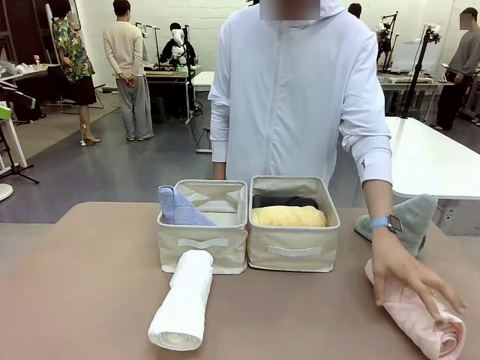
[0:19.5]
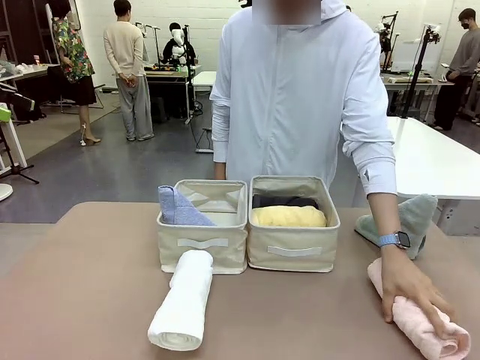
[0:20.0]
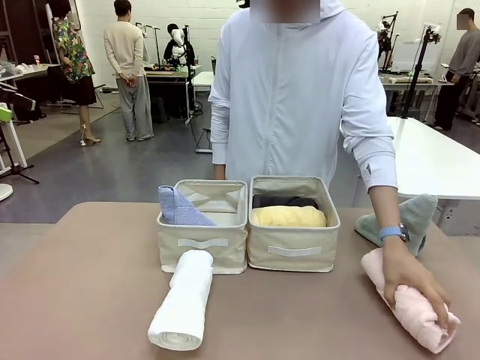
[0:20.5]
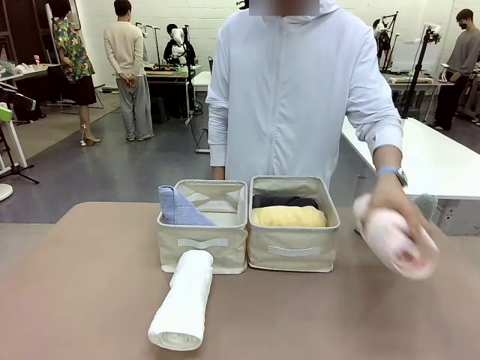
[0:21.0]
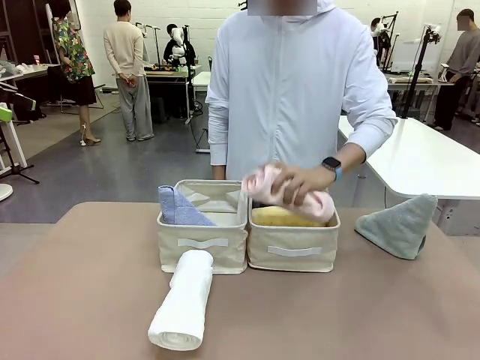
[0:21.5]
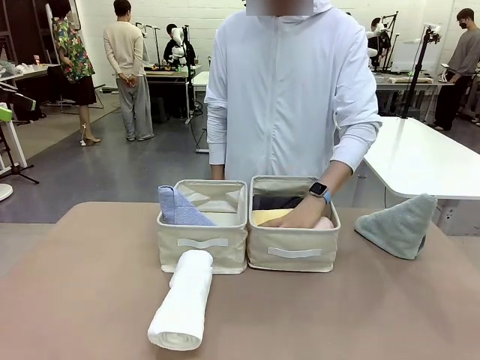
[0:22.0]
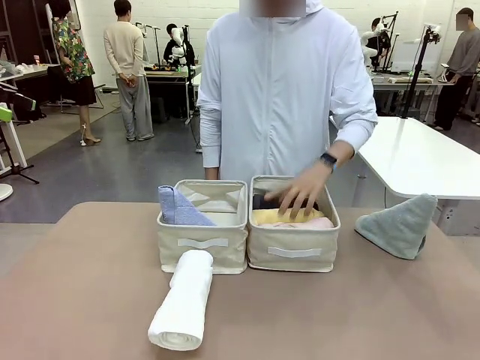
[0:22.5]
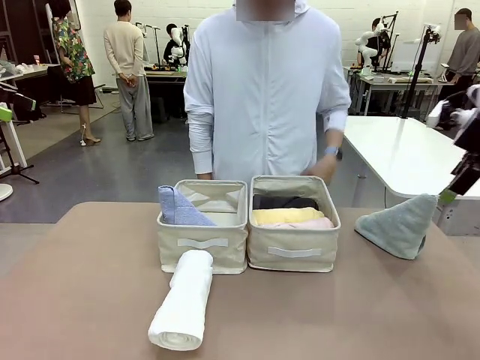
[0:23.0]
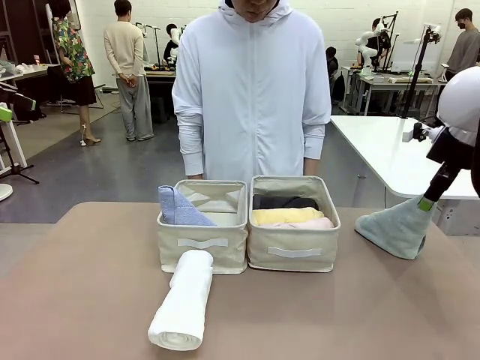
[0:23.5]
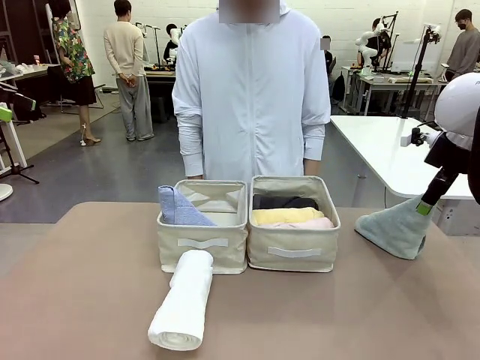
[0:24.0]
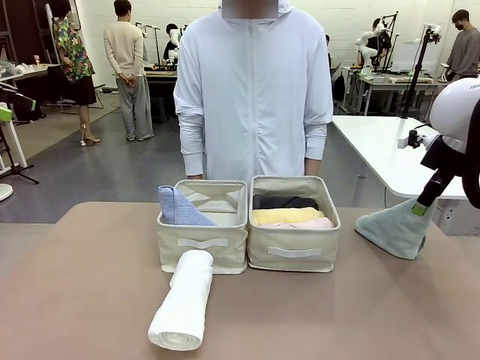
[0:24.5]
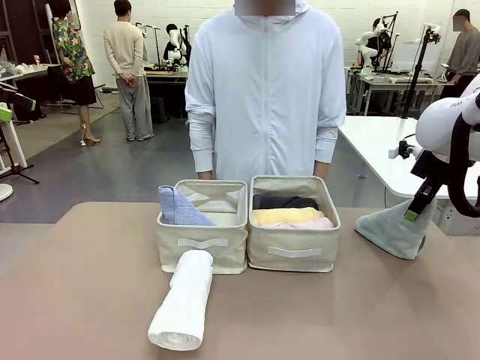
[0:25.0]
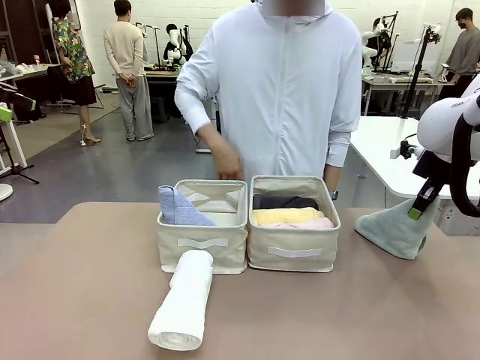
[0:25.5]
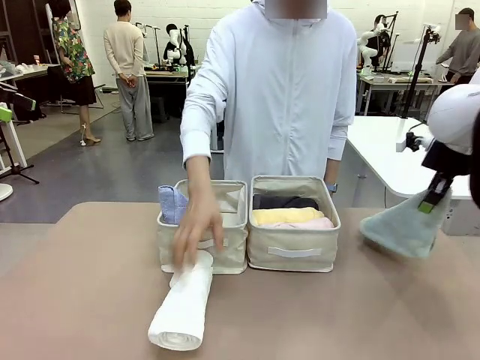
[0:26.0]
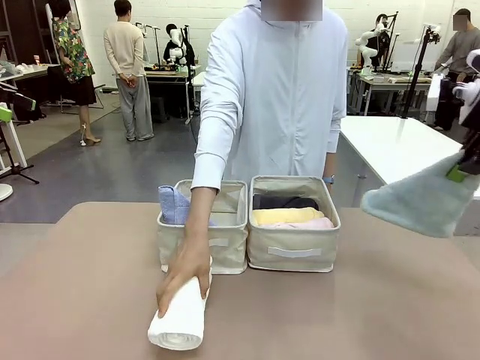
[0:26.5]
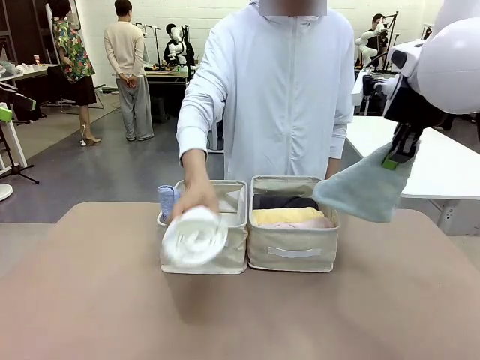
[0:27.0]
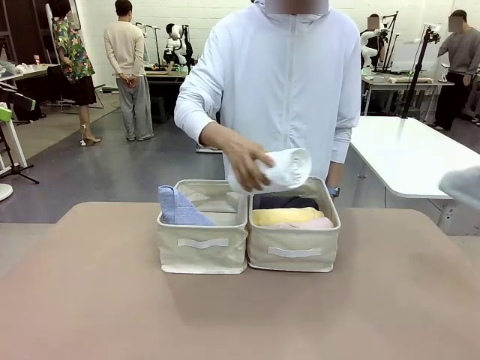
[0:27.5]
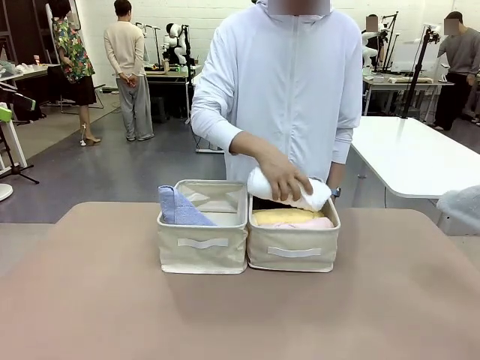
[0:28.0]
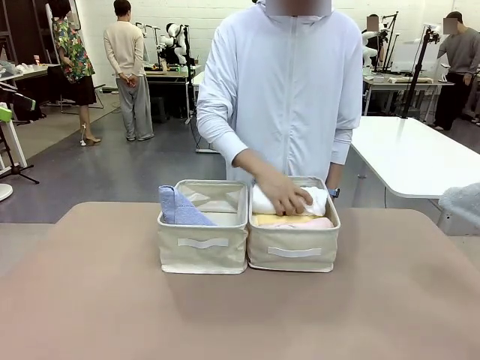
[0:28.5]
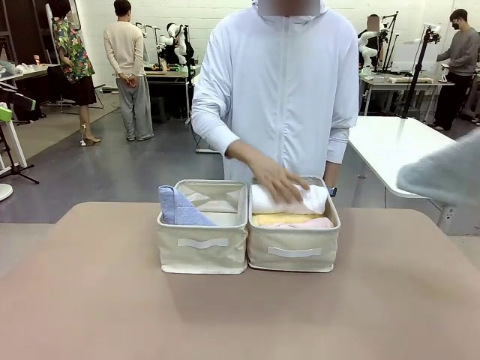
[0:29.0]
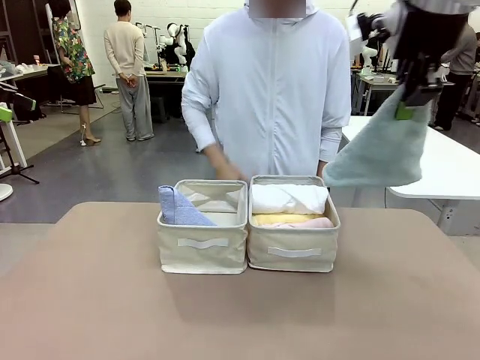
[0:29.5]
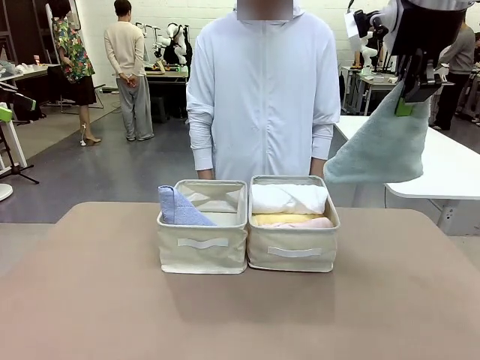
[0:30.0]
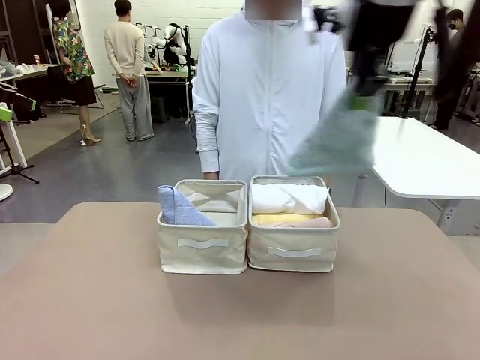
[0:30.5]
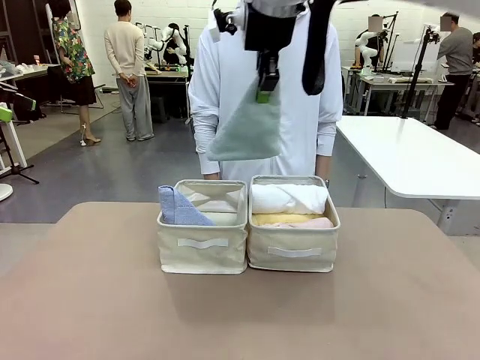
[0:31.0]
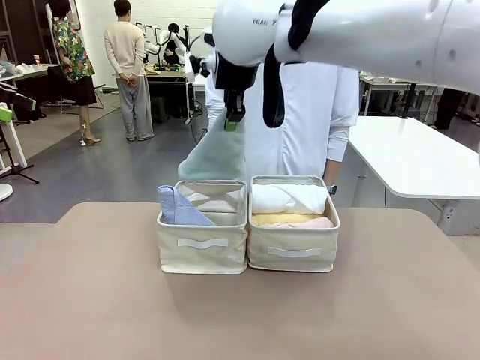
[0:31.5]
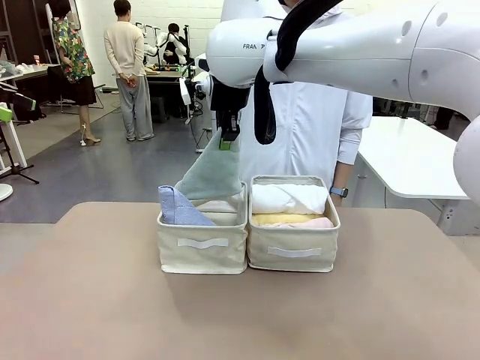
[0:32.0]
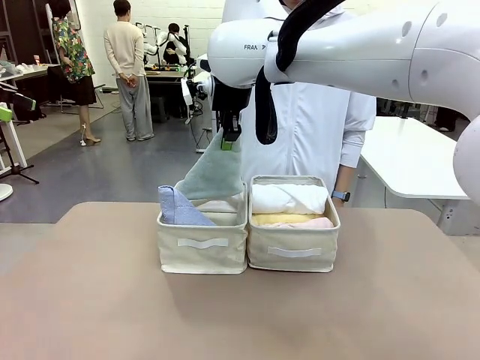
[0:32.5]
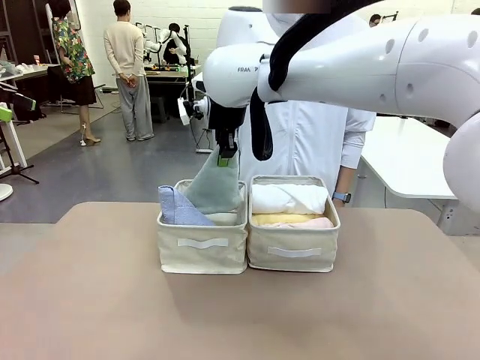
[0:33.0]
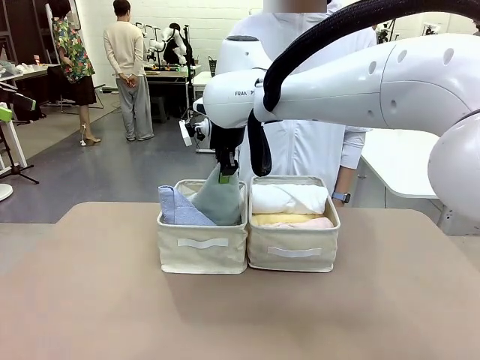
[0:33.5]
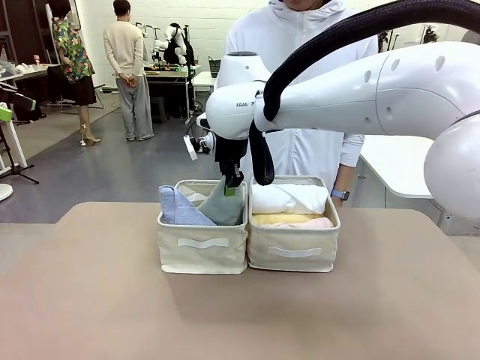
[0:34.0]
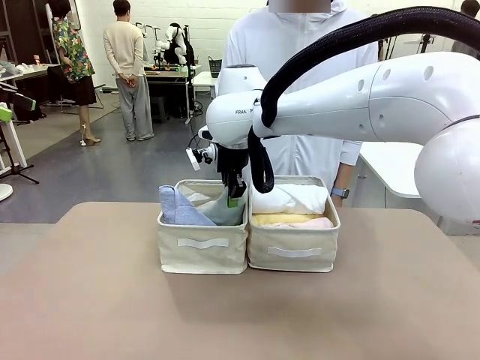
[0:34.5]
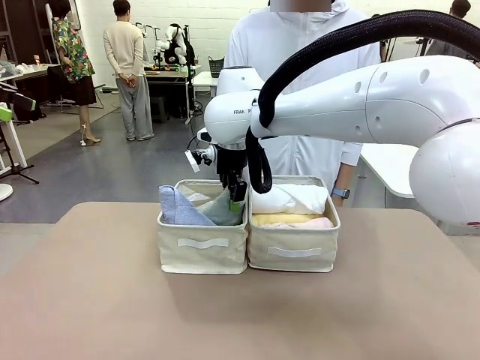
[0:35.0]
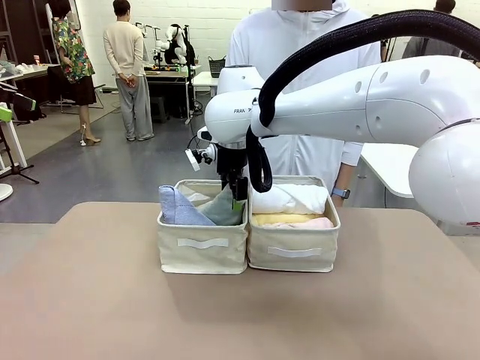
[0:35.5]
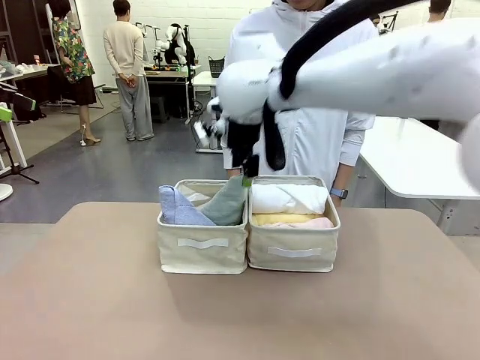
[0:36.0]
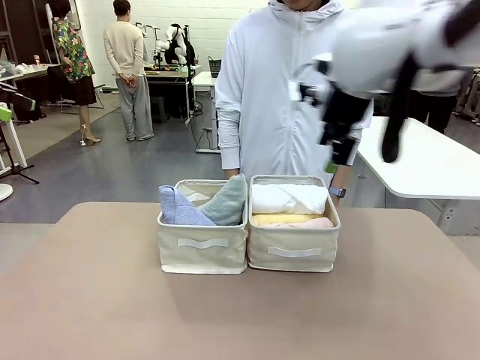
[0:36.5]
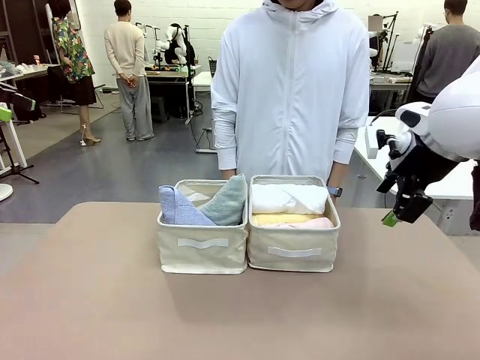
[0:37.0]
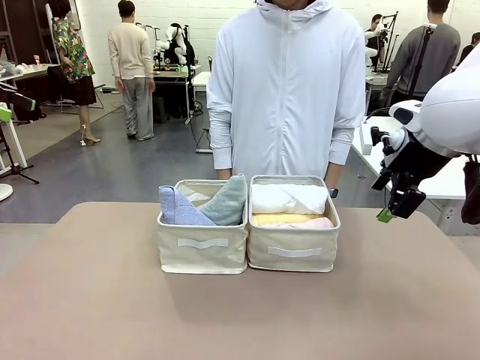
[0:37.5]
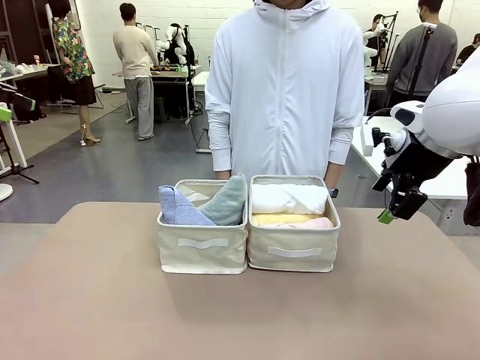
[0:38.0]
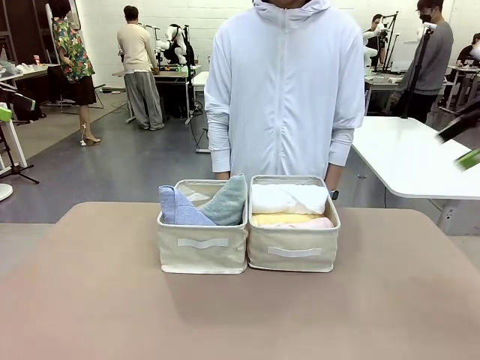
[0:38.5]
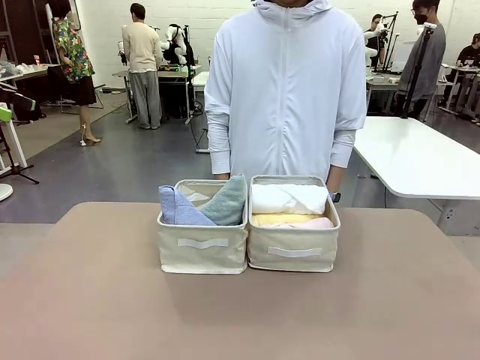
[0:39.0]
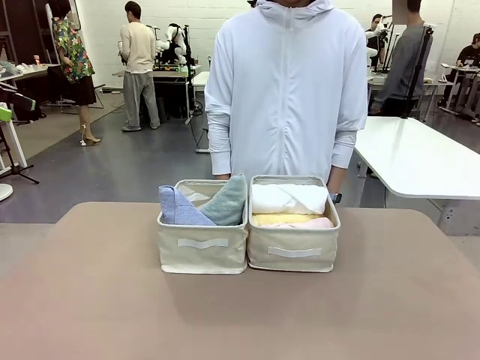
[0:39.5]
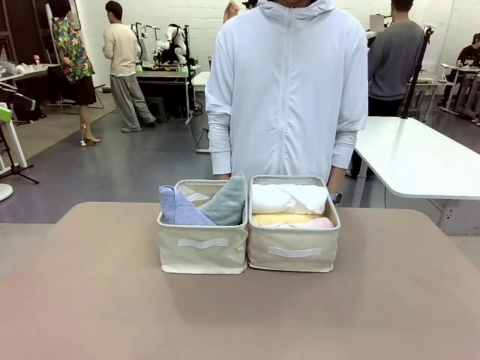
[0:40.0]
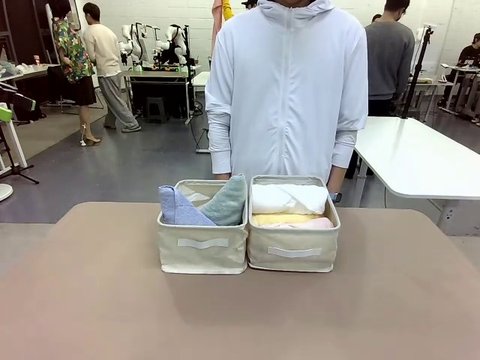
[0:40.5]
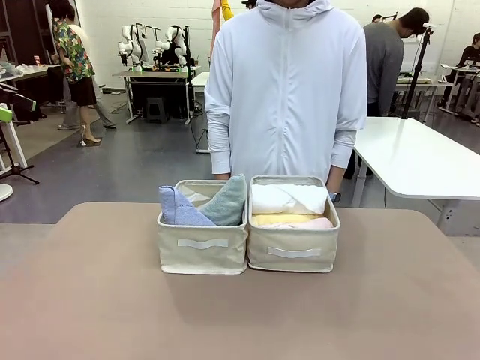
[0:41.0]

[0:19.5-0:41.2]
Task: Sort the towels based on their folding style.
Robot: Pick up another triangle-folded towel from the table and place it in the left Fabric basket.
Person: Pick up one hotel-style rolled towel from the table and place it in the left fabric basket.
